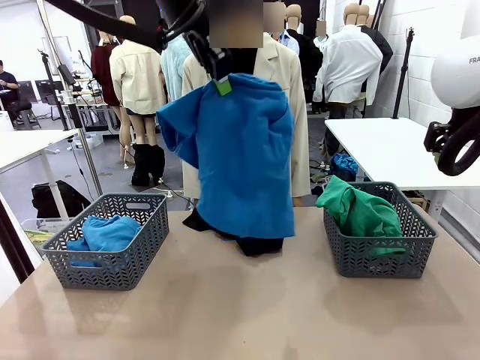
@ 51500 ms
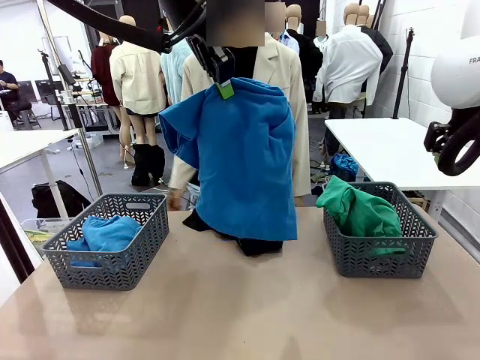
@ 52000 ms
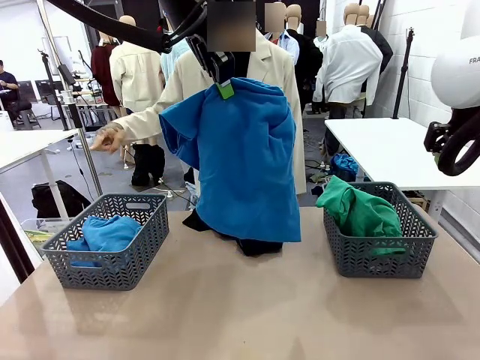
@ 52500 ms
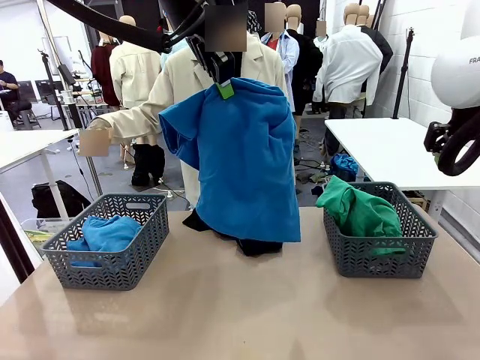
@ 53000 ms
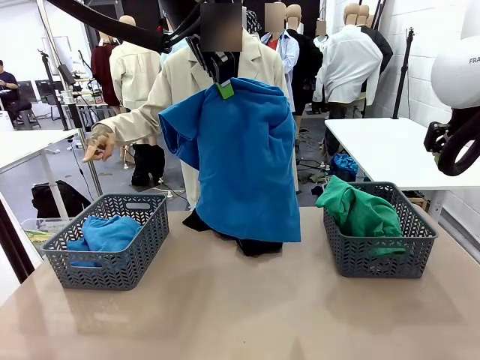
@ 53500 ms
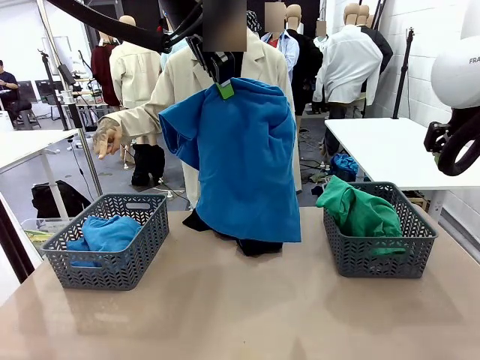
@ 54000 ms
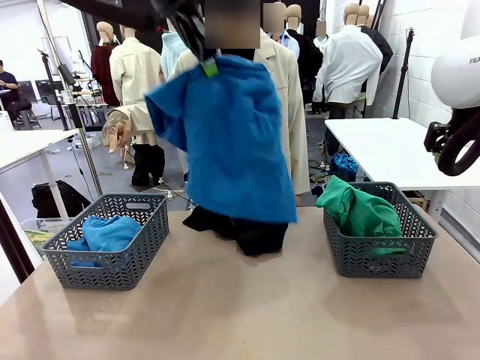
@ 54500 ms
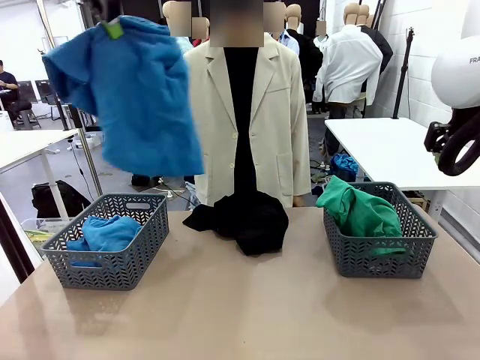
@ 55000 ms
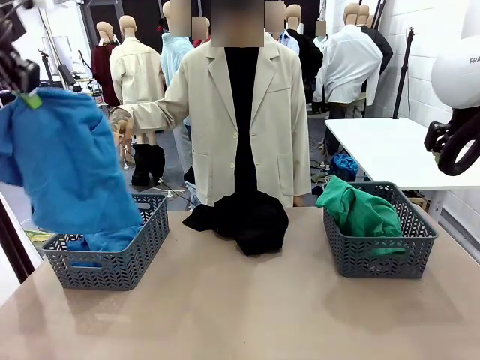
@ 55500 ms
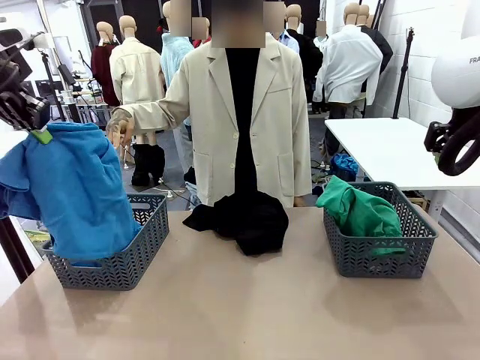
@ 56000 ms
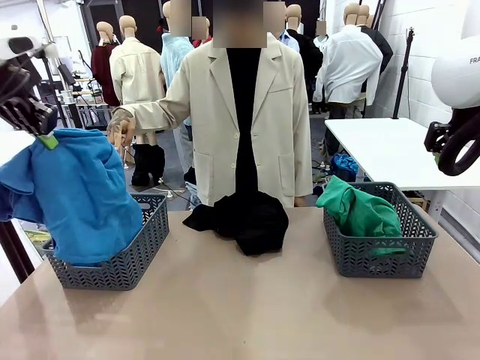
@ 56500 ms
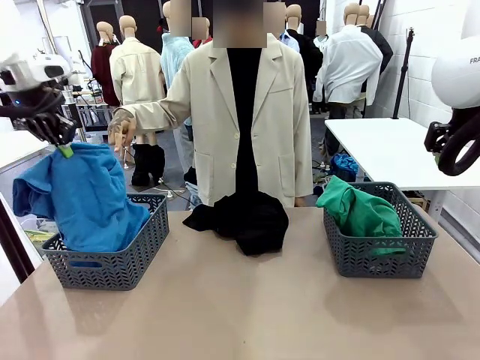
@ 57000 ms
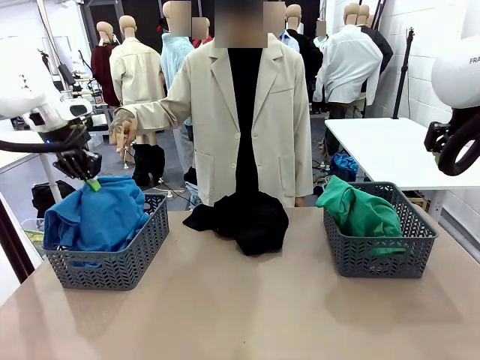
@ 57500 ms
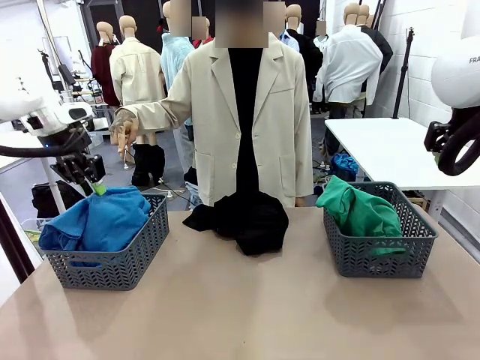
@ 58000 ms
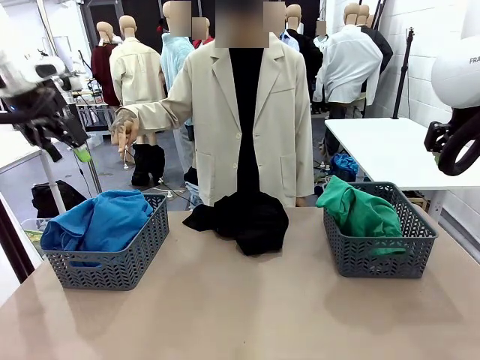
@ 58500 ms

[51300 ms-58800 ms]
Task: Sort the tops and bottoms.
Robot: Sort the clothes according to human instructions.

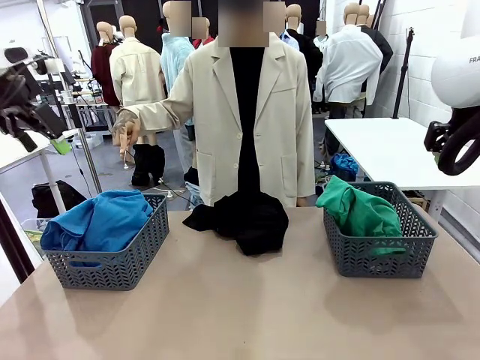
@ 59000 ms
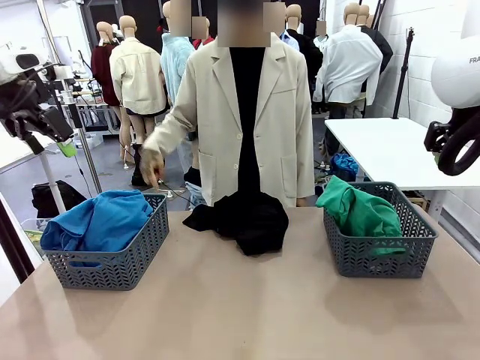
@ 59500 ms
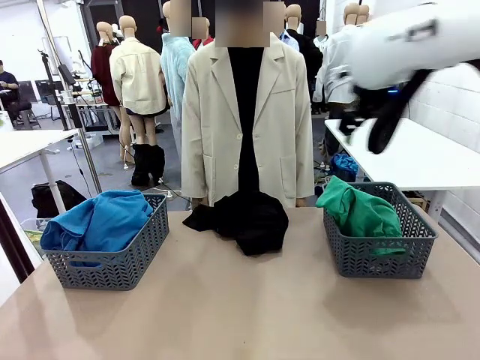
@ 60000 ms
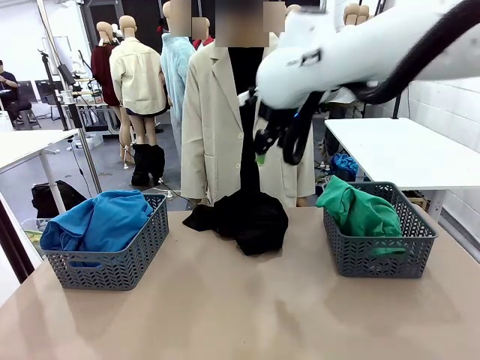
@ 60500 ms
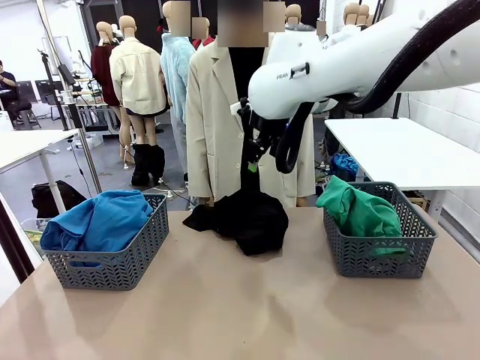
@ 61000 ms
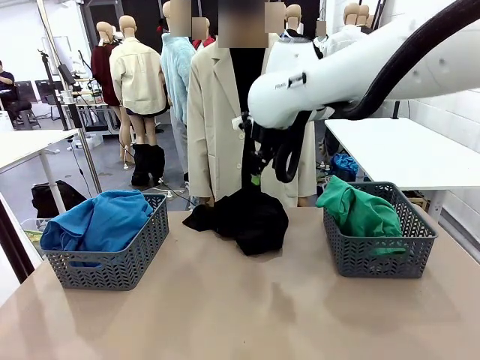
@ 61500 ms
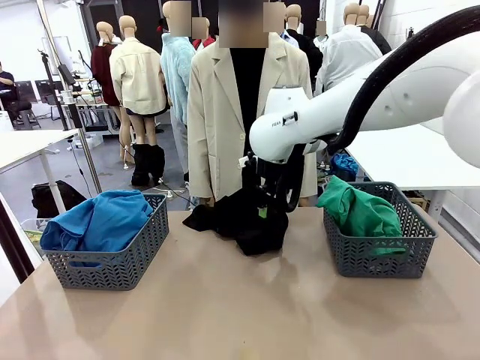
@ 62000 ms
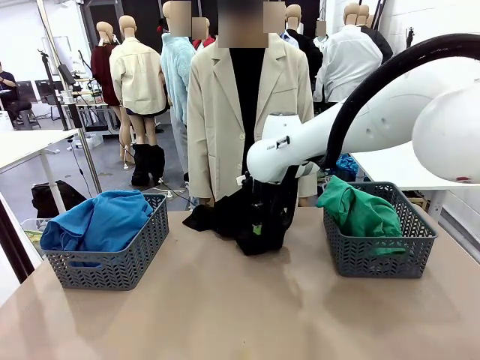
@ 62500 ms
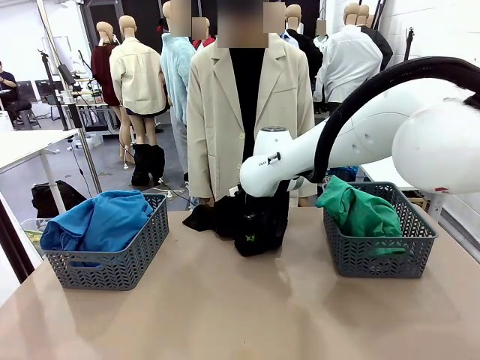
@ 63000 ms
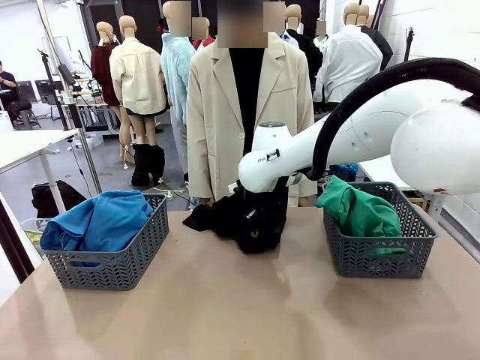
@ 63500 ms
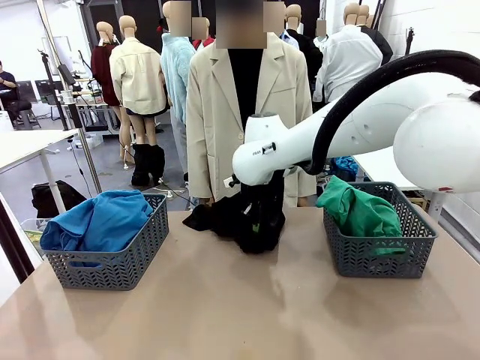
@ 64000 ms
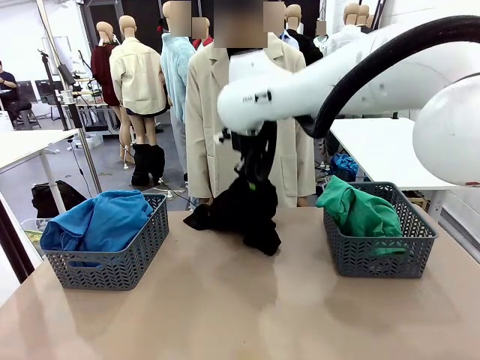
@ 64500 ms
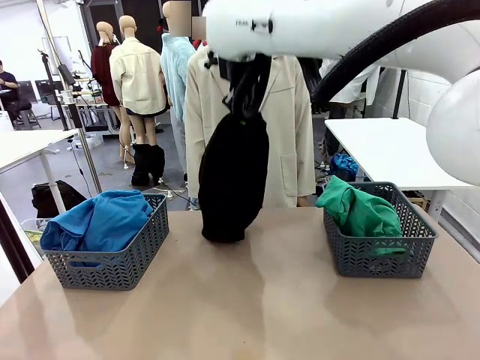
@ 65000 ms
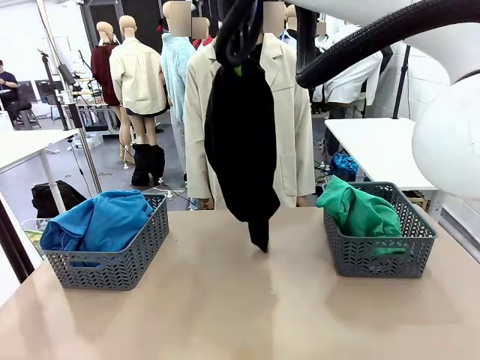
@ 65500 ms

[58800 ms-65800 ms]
Robot: Lift clothes from the center of the table with your right hand.

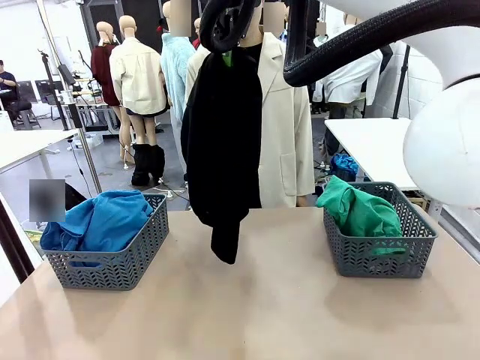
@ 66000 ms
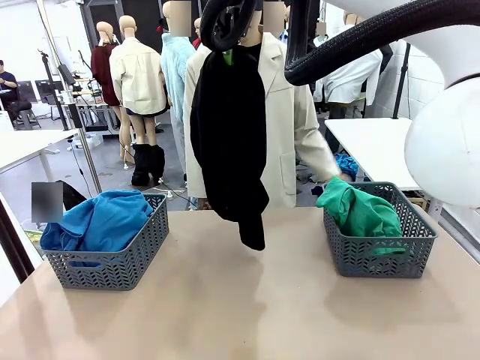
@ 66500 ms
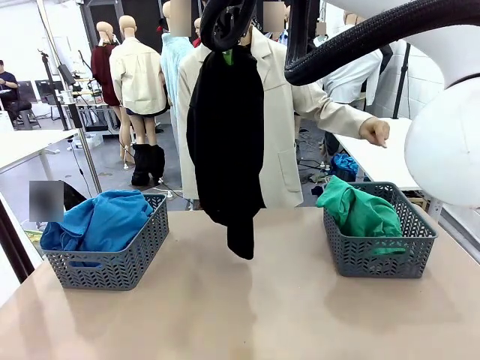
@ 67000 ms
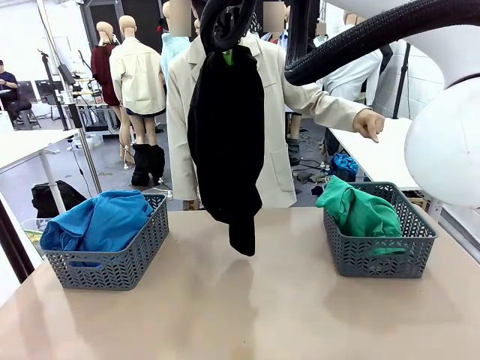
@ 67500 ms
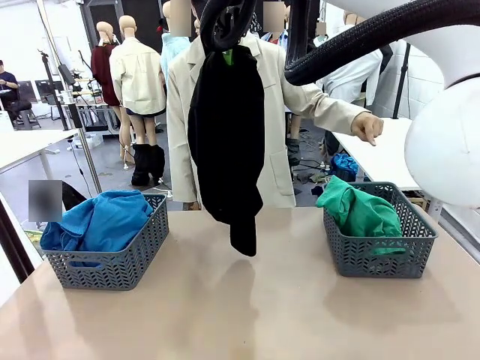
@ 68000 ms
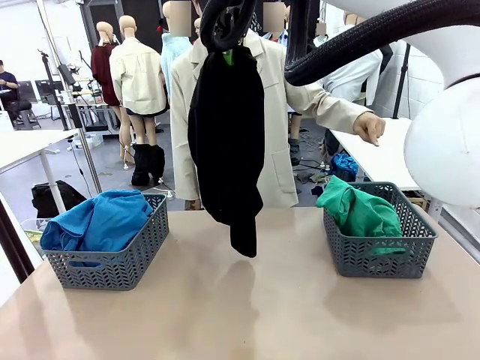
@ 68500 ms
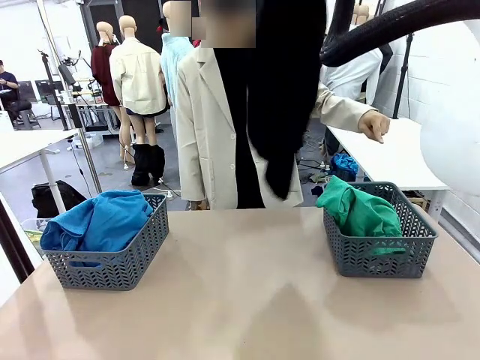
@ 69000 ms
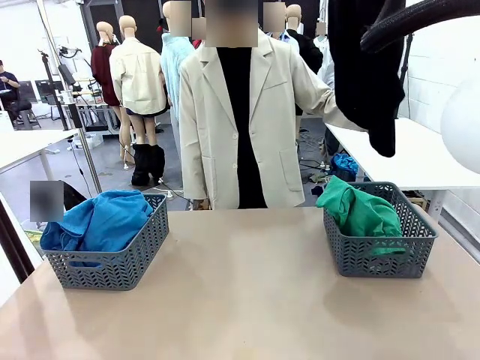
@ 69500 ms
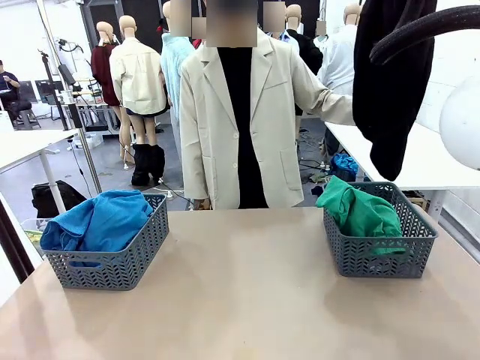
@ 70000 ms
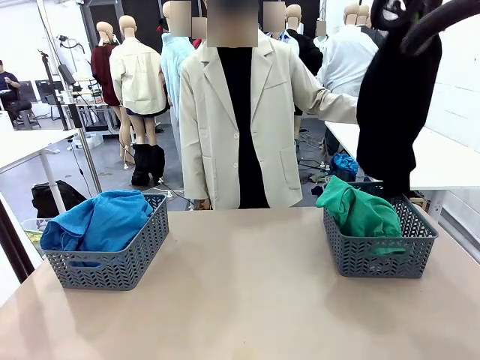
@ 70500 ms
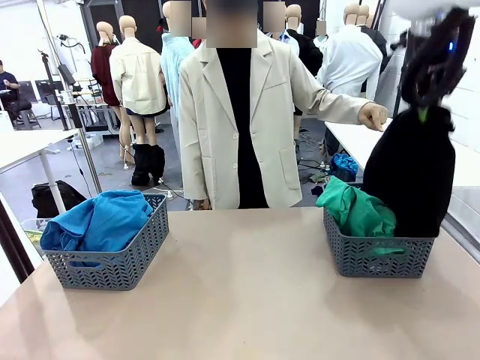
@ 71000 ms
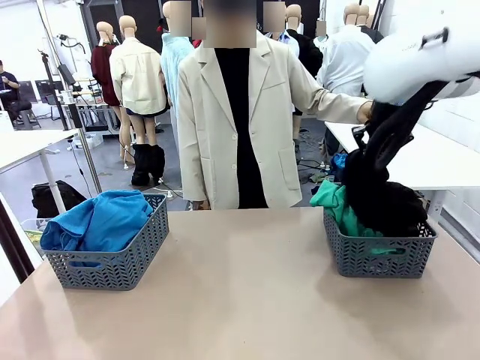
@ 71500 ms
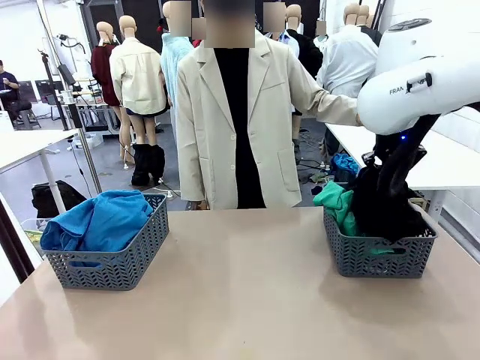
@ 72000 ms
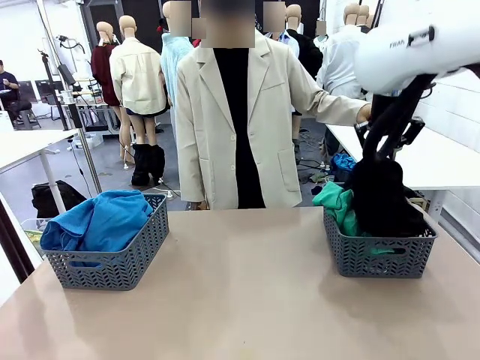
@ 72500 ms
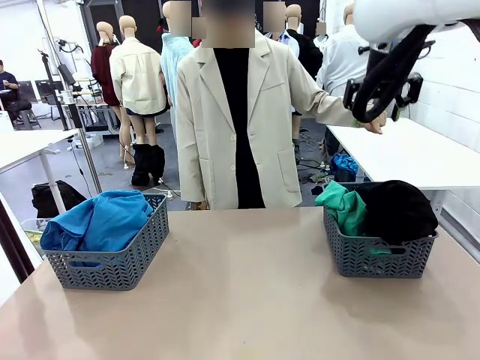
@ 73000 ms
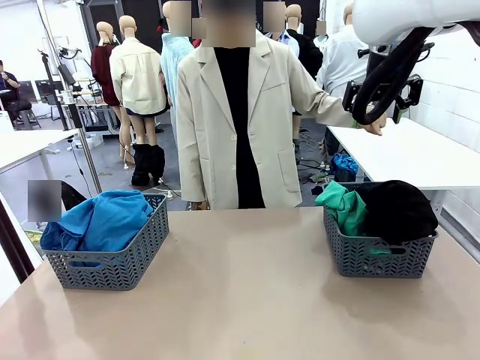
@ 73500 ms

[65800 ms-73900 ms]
Robot: Sort the clothes according to human instructions.
